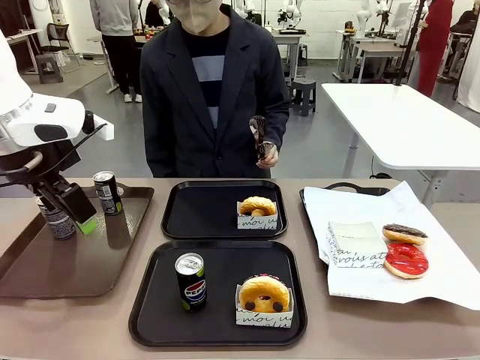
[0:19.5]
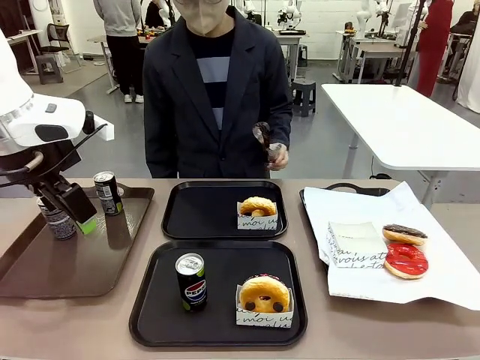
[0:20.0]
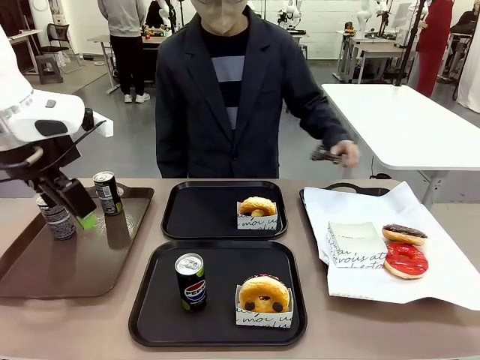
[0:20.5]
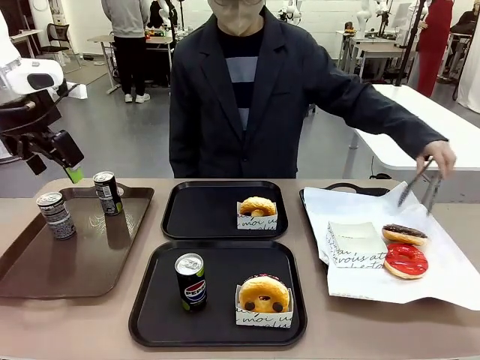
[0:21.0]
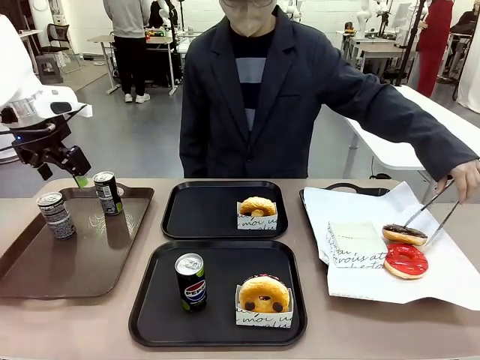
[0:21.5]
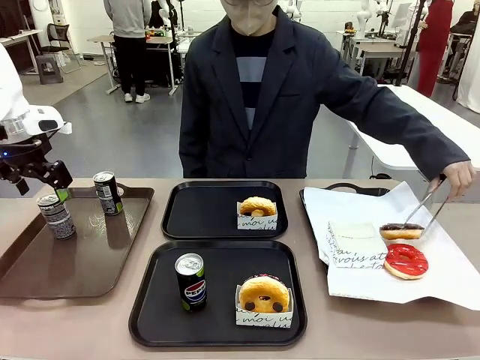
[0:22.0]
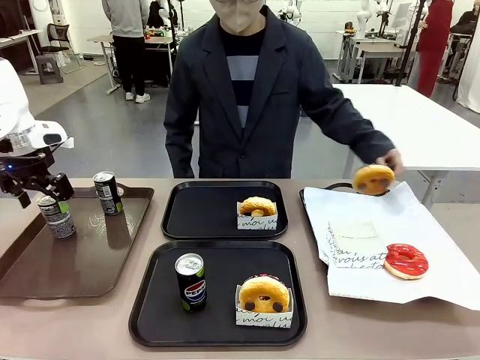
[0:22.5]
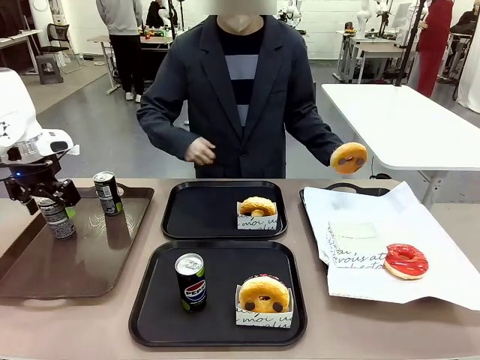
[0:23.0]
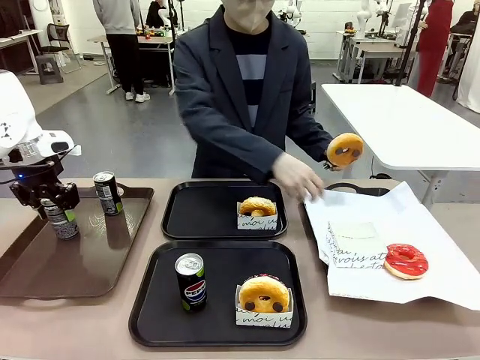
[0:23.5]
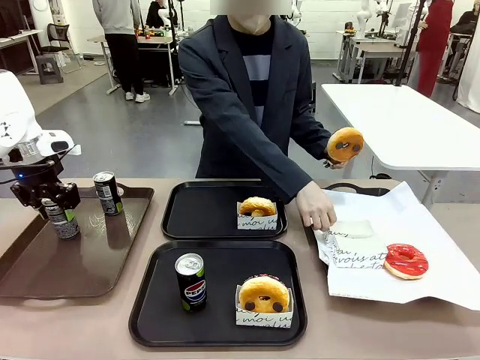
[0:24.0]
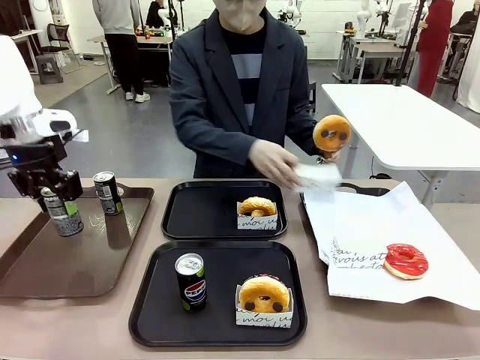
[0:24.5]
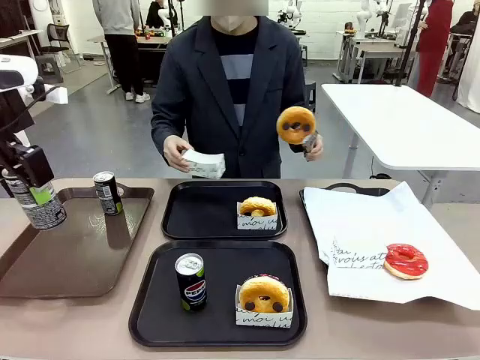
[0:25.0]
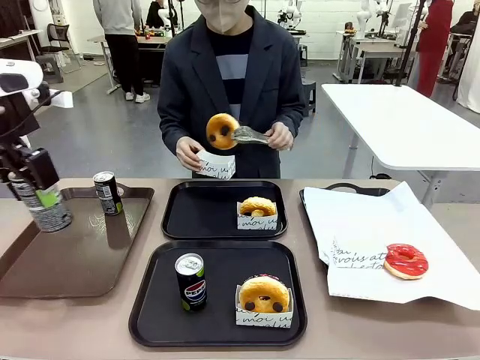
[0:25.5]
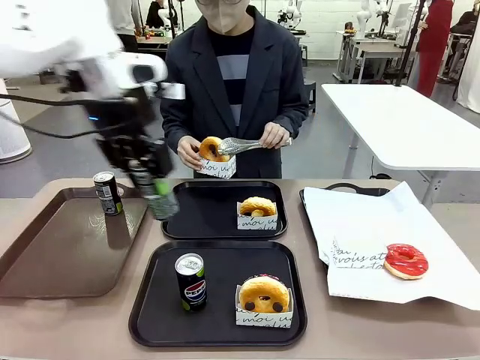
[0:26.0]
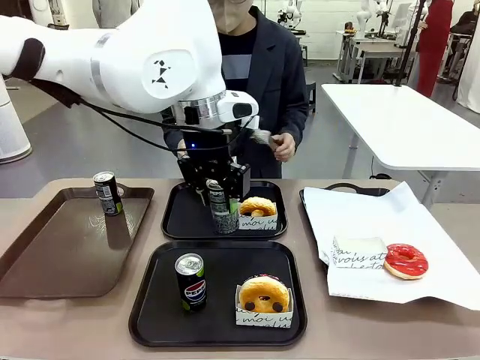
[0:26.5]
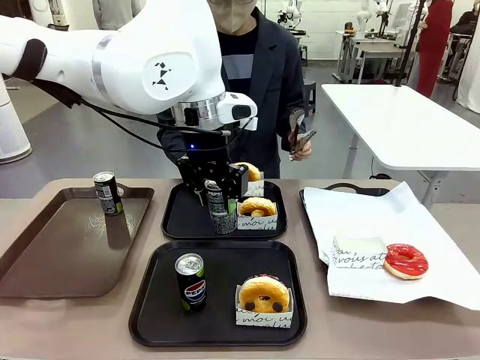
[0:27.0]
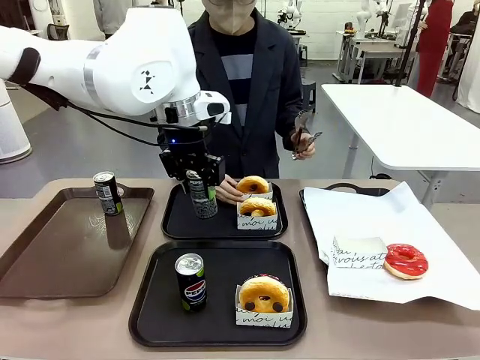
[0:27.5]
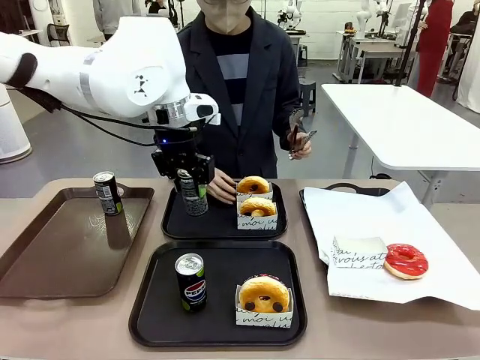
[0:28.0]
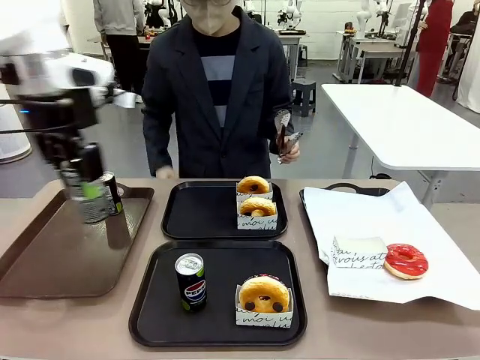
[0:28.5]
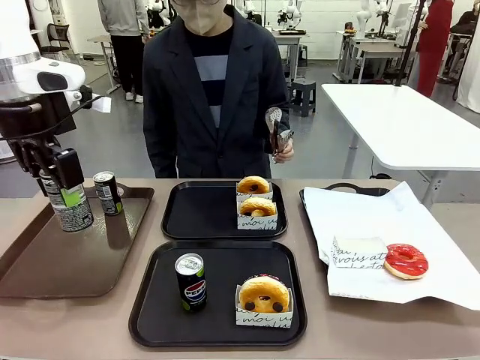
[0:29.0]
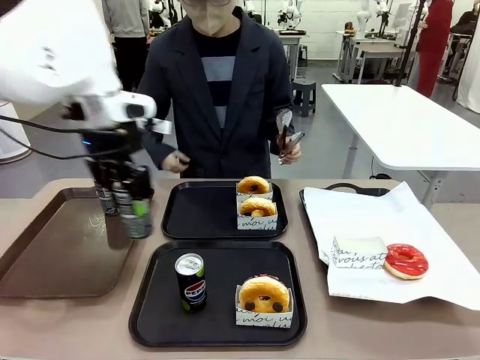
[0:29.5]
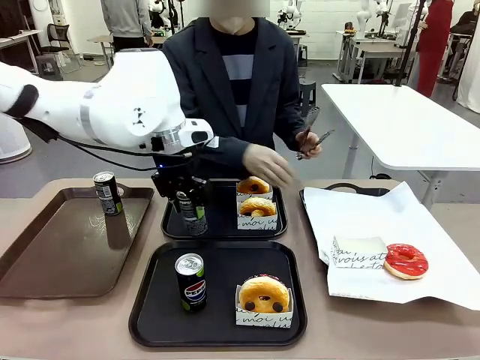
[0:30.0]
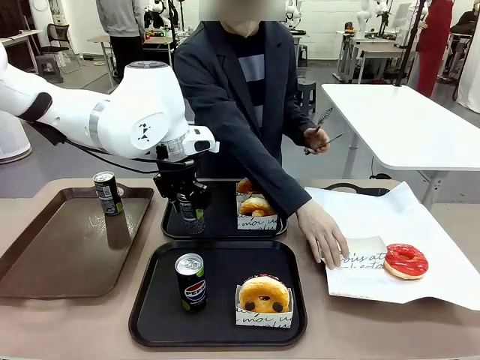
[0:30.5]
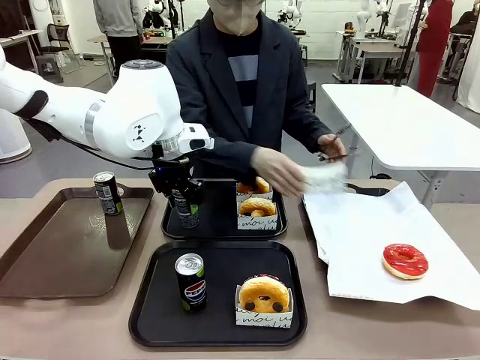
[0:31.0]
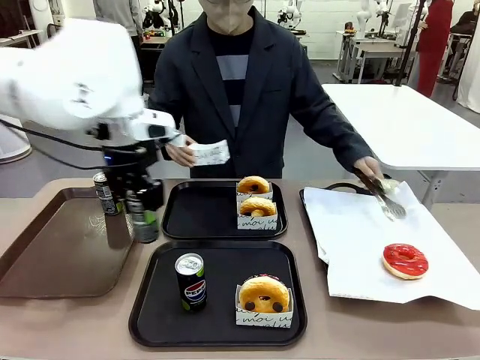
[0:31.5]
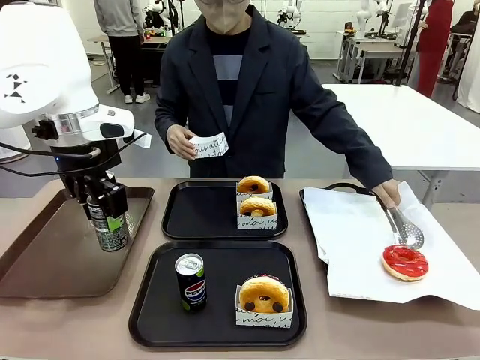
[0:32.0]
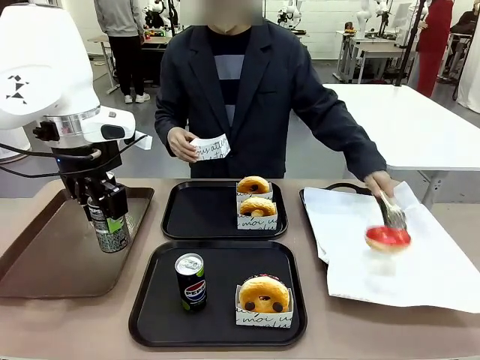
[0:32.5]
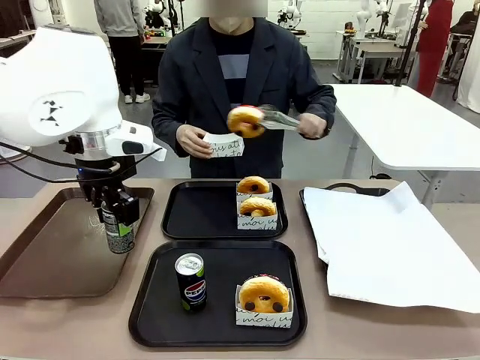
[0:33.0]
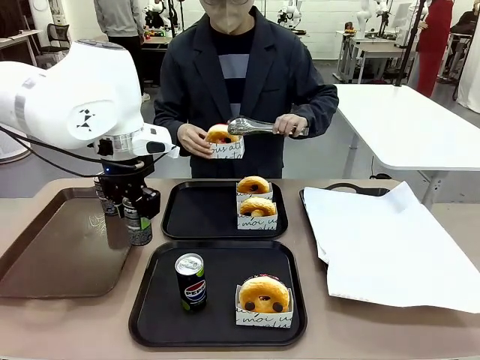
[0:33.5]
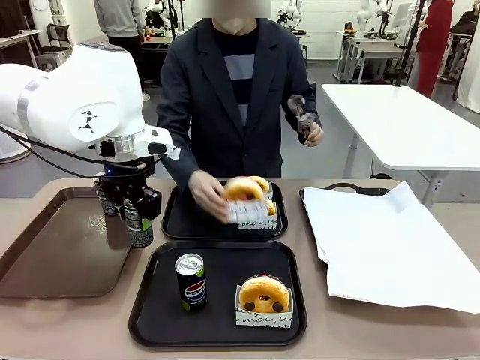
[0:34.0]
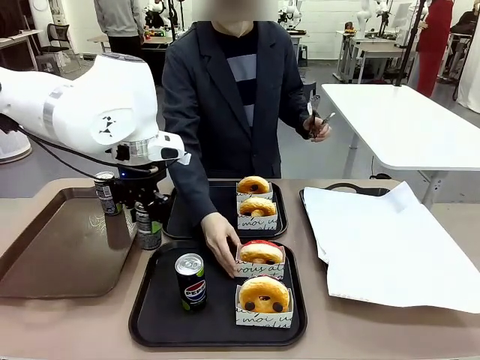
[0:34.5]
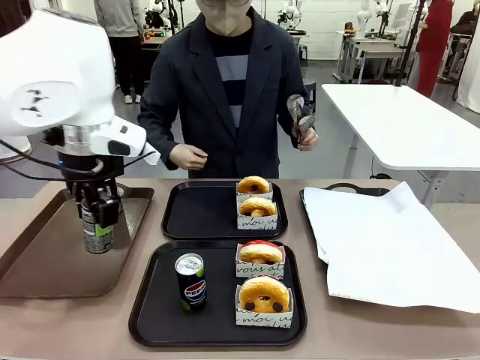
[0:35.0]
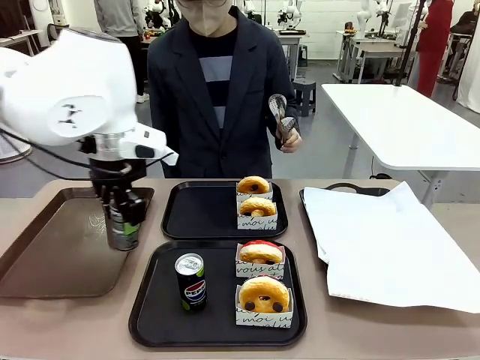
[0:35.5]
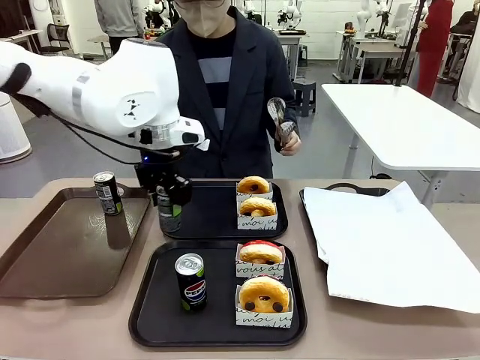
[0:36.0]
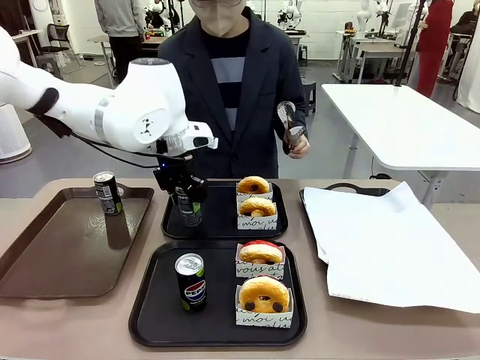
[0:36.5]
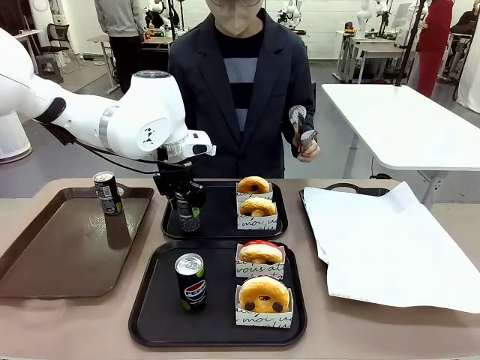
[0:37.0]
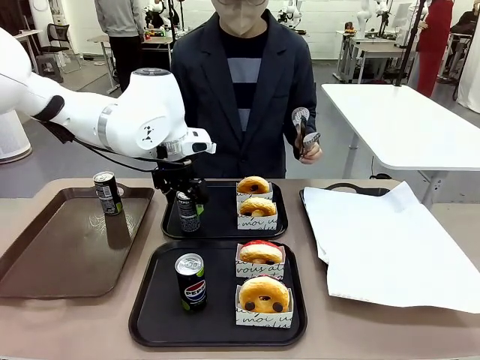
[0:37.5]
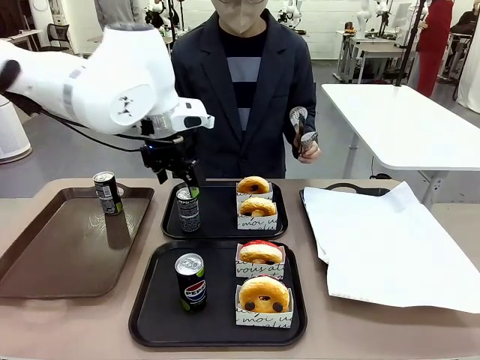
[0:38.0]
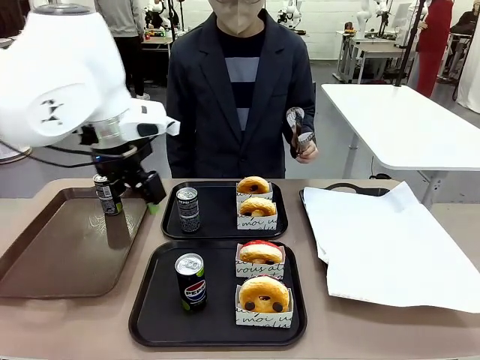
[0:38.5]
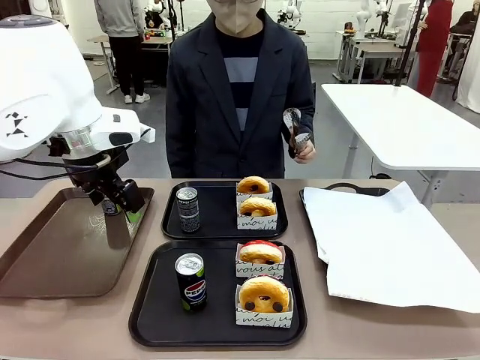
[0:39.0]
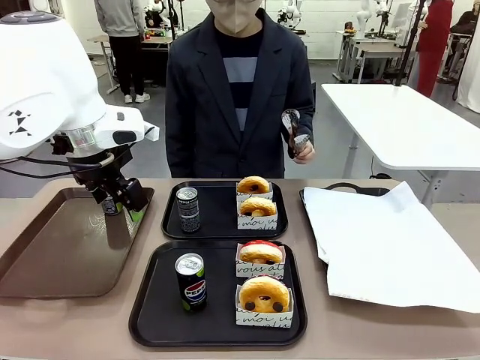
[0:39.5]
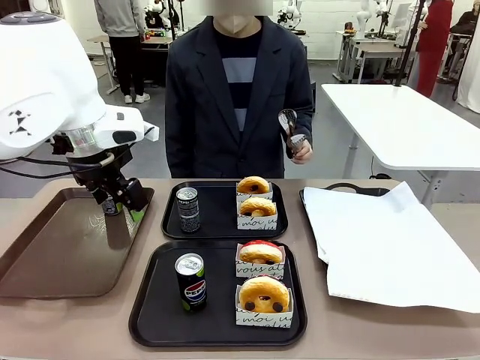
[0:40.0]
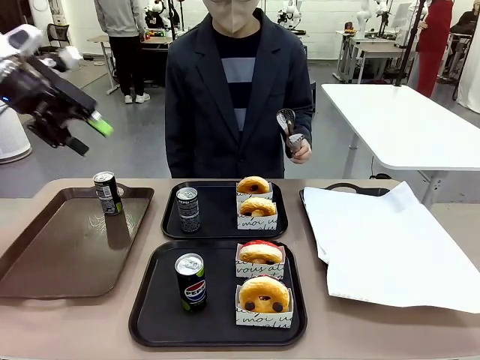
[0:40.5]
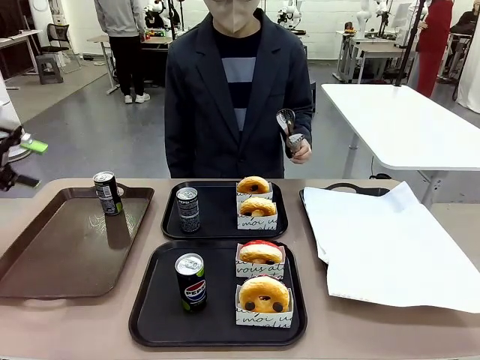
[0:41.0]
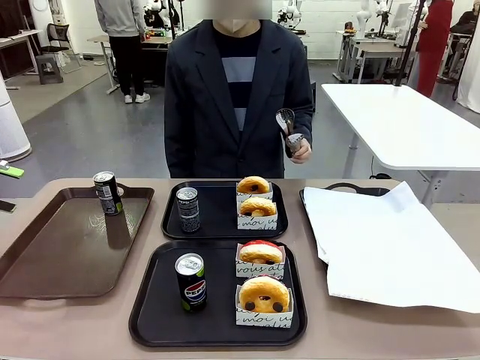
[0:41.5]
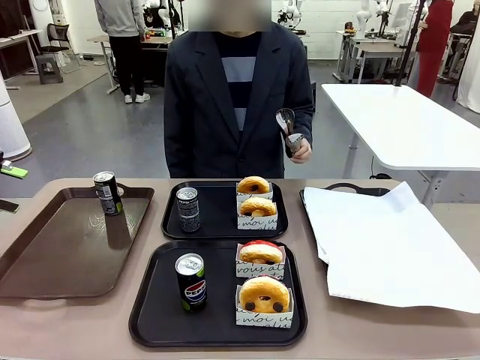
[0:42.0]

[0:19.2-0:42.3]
Task: Set up donuts and drinks on trays.
Robot: Pick up one Pepsi coke from the Handle tray and place it on the Flat Tray without a Pepsi coke.
Person: Pick up one donut with tongs, place it in the donut tray, and then place the donut tray on the flat tray.
